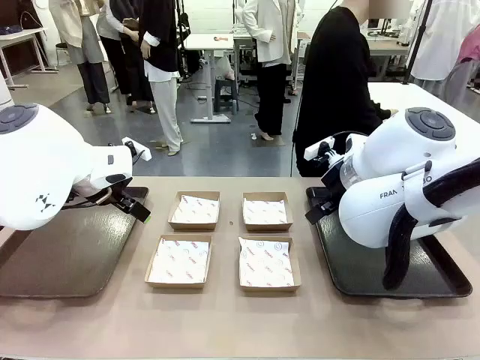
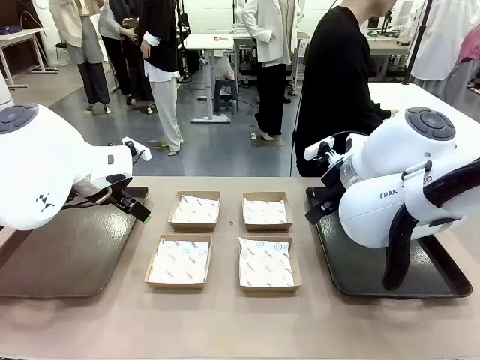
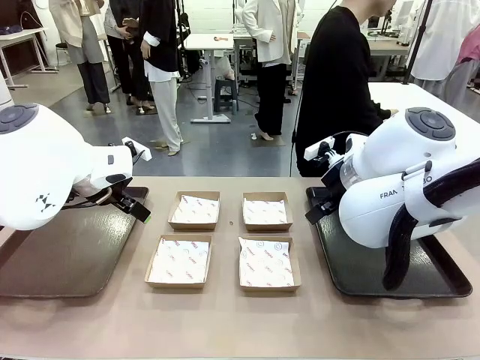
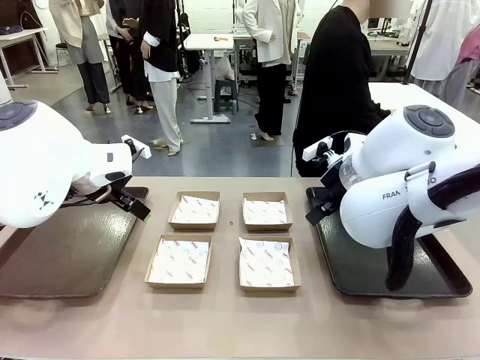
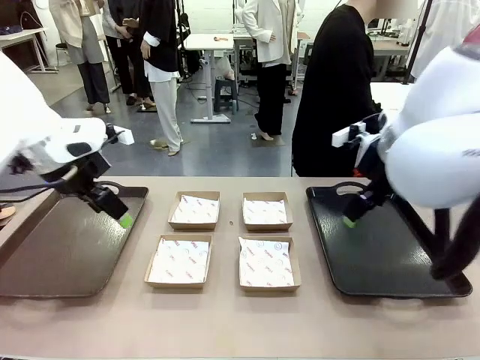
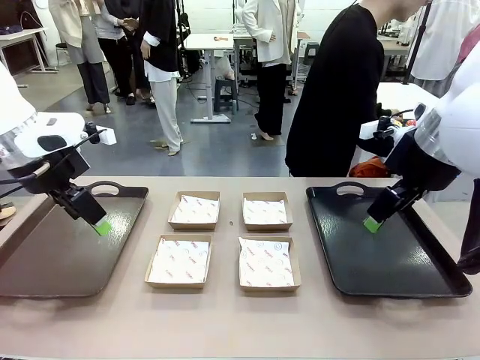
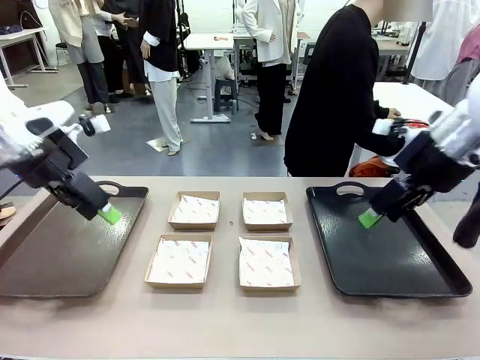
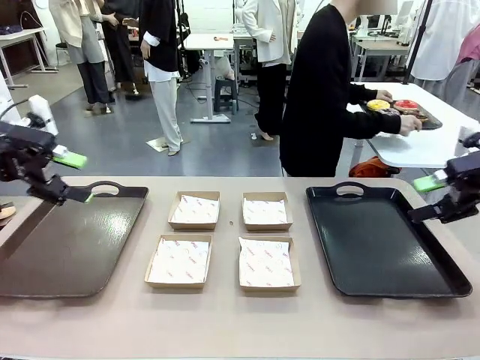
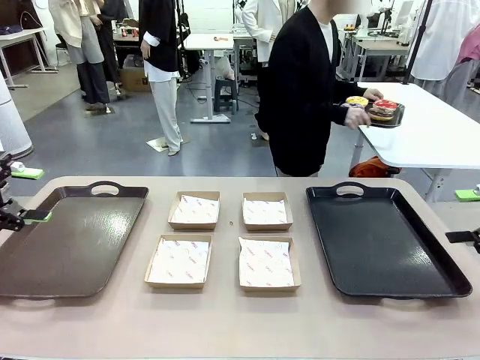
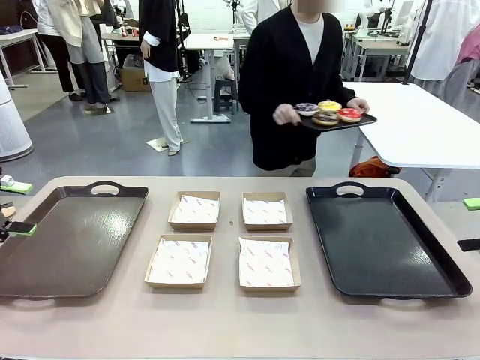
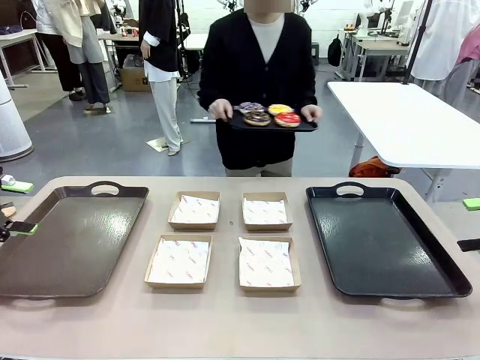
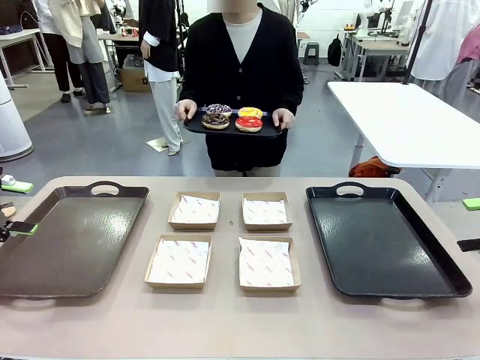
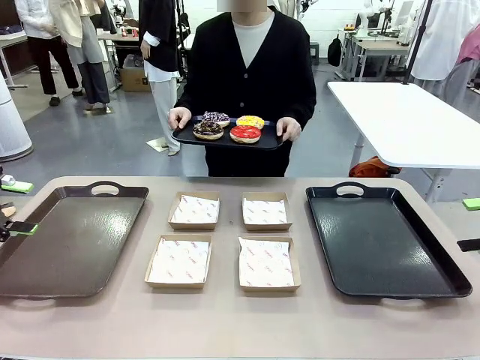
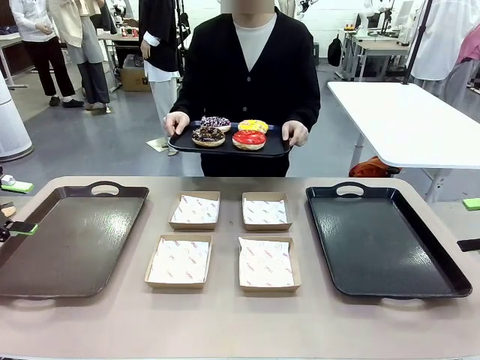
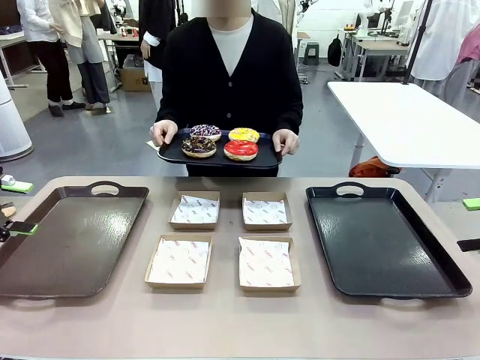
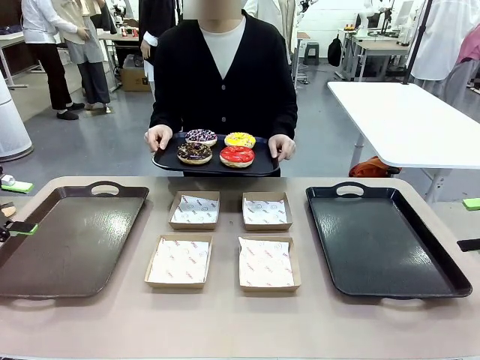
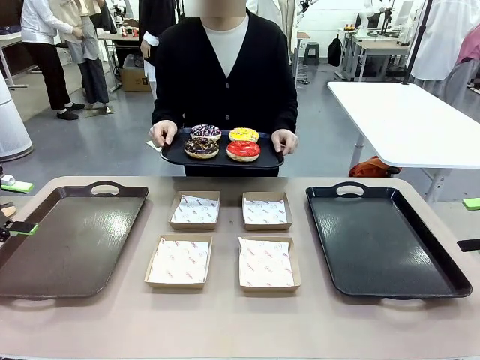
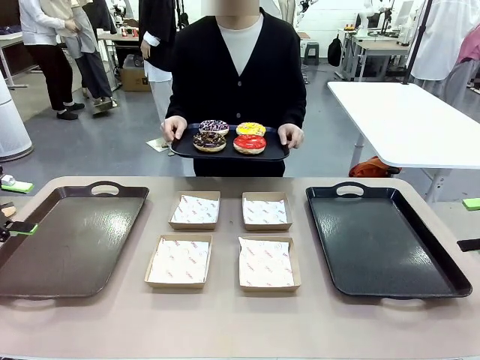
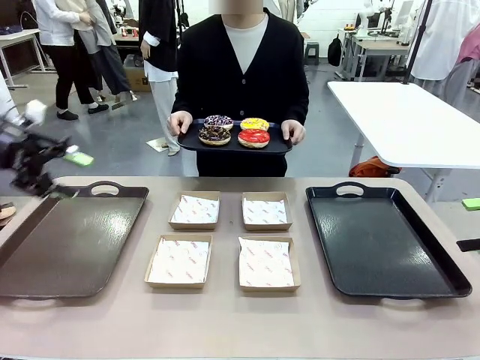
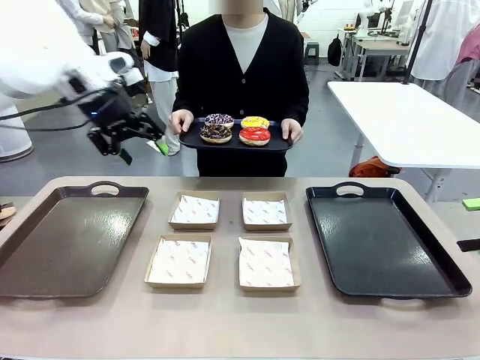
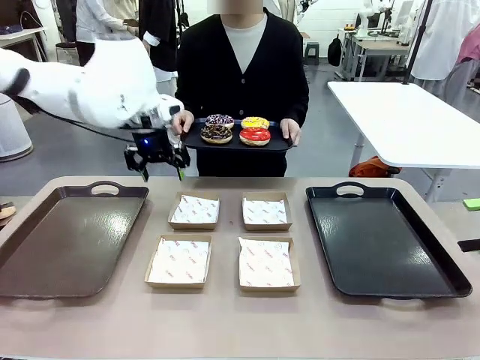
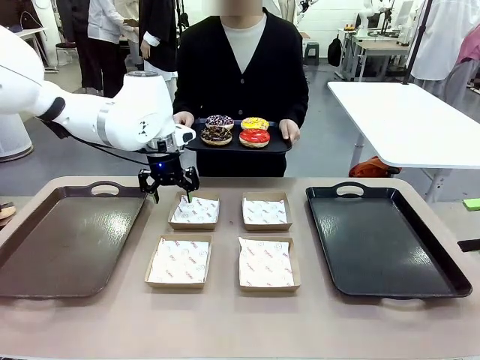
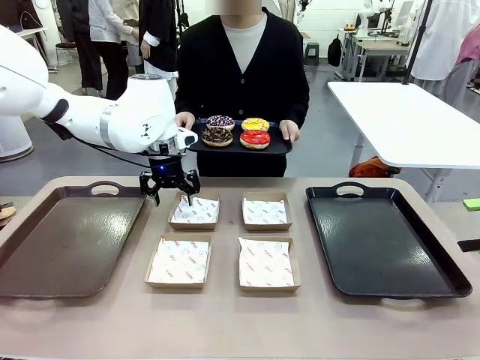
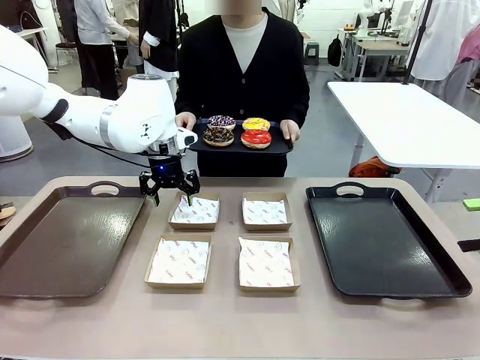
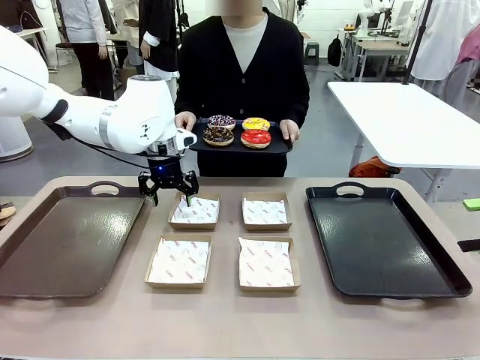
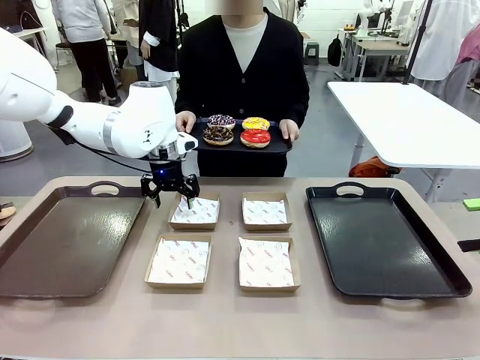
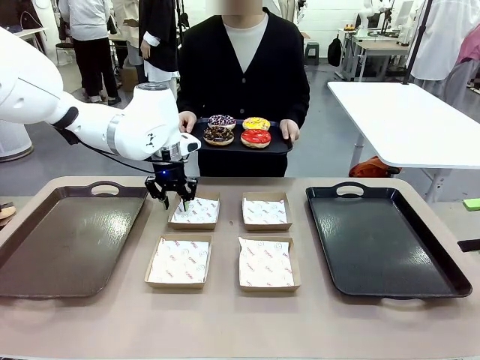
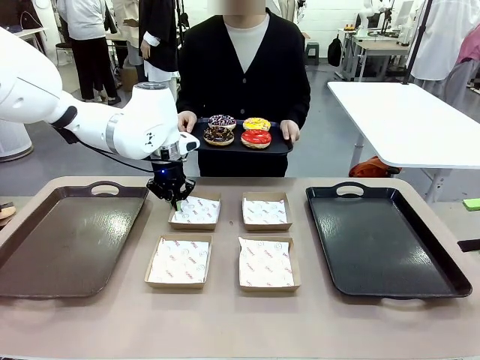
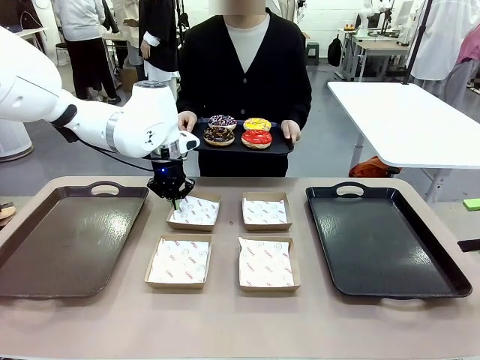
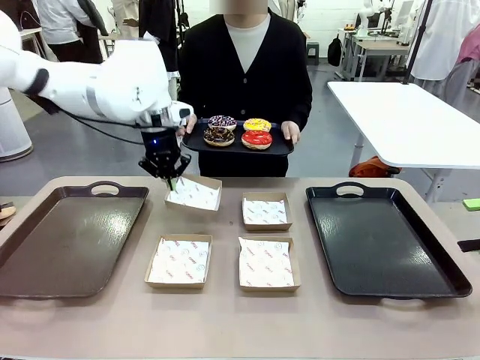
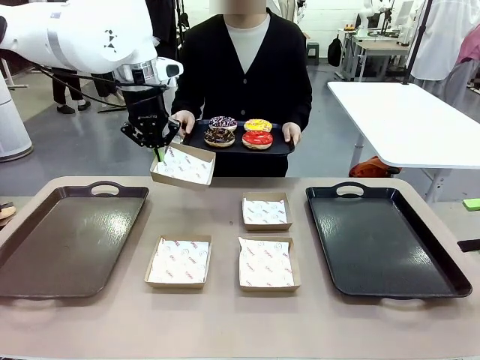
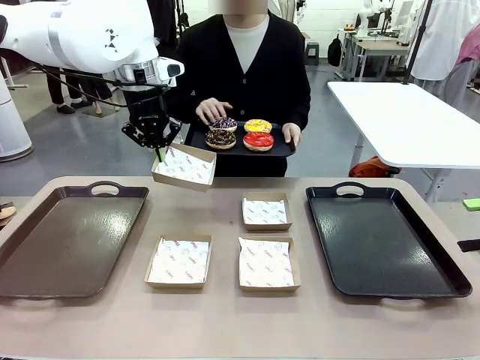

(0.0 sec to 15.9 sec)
Task: Individually package the donuts and arrange them on the tray.
Robot: Pick up one Paper togo box.
Person: Stand in front of the robot table holding the tray containing the donuts.

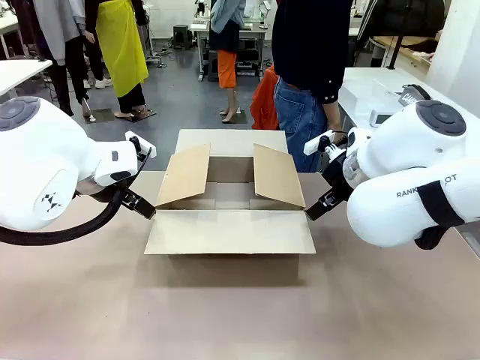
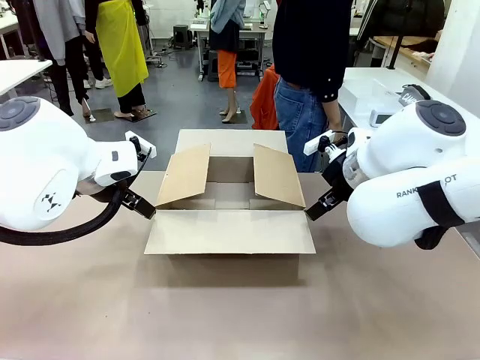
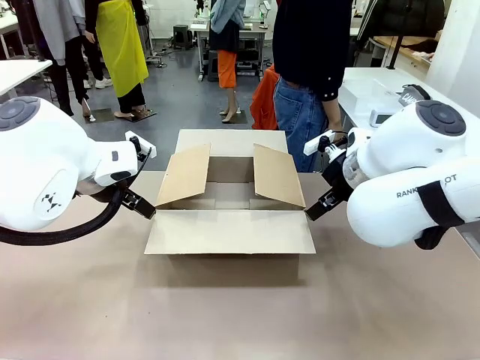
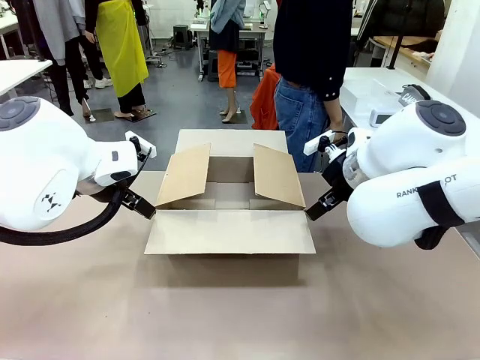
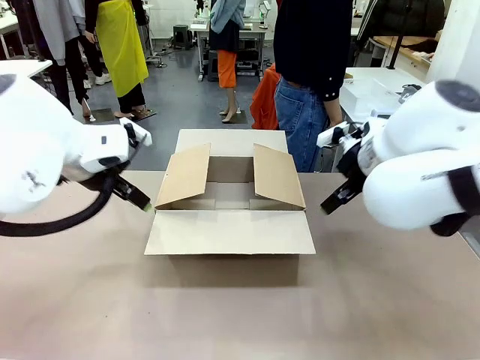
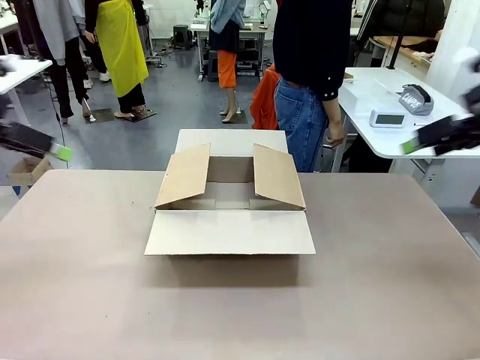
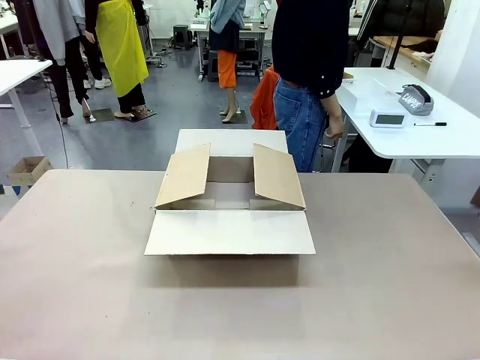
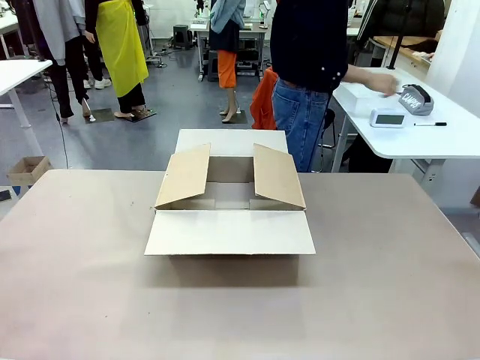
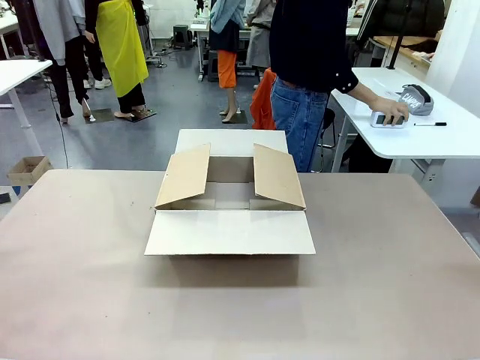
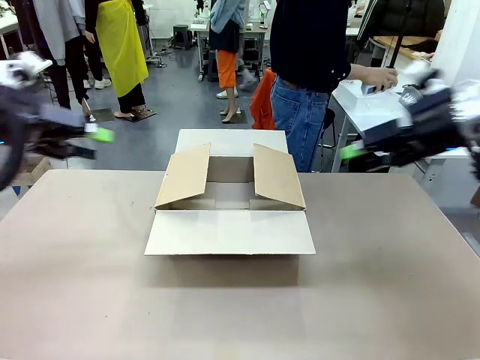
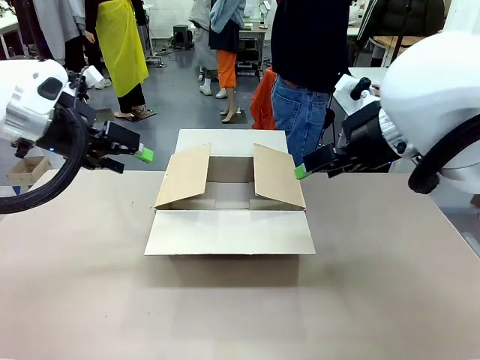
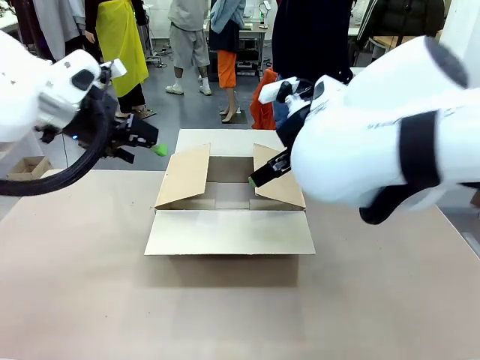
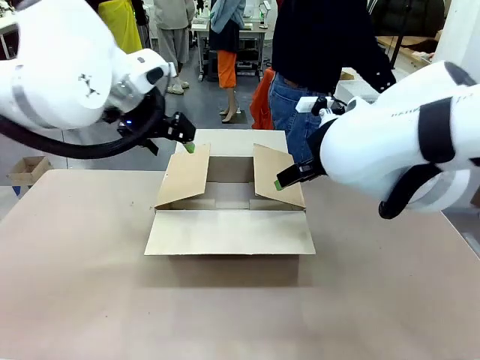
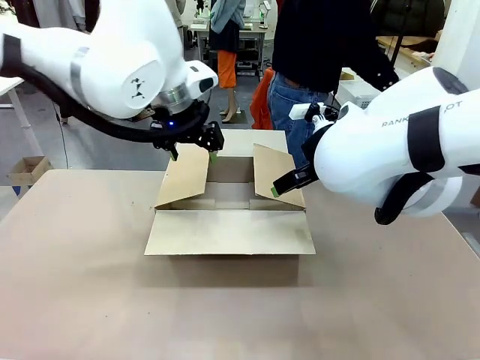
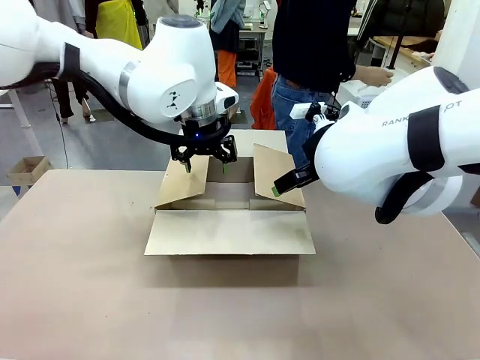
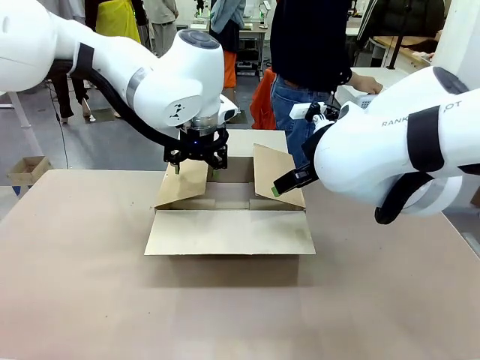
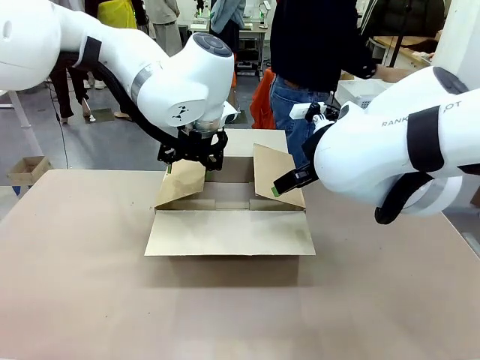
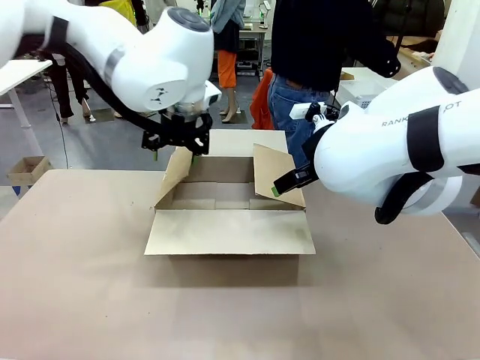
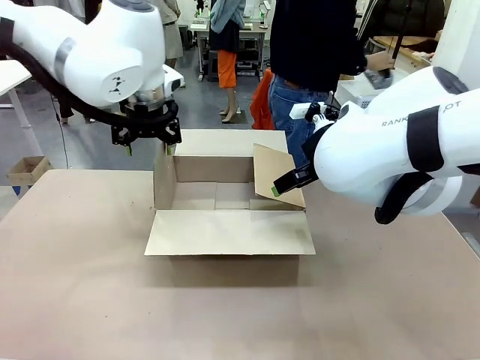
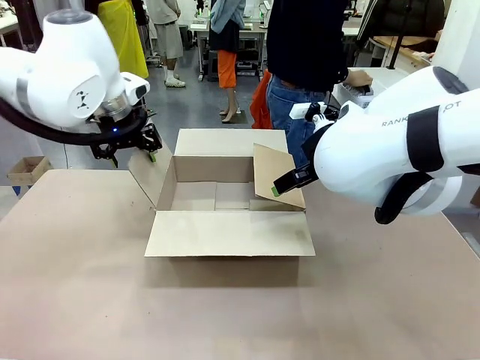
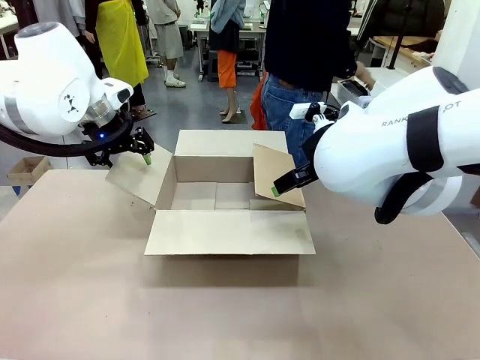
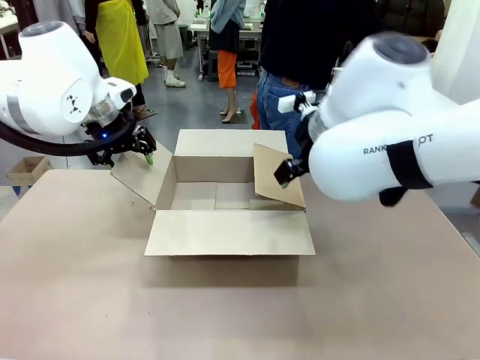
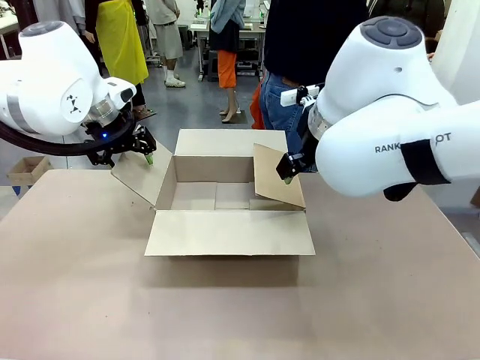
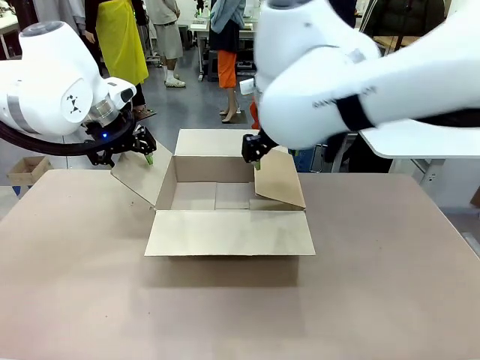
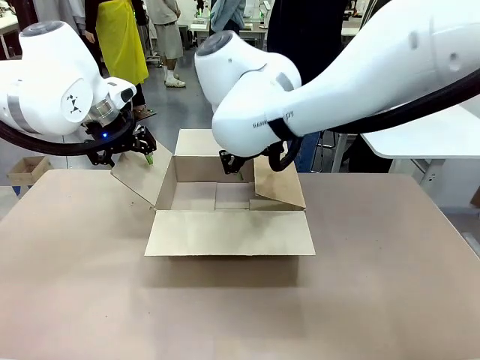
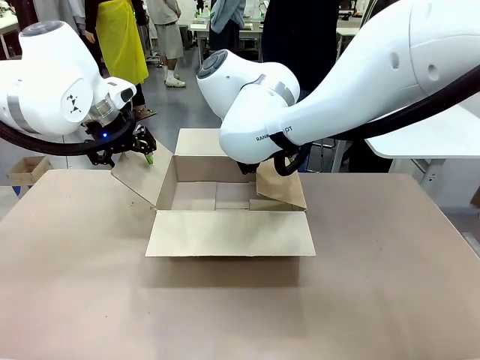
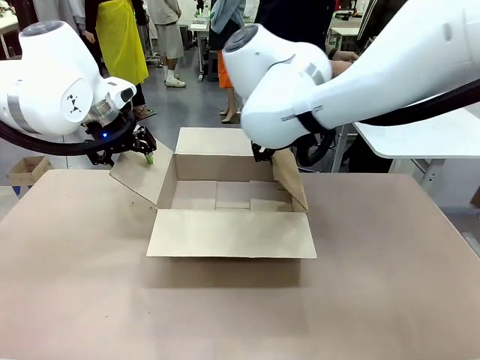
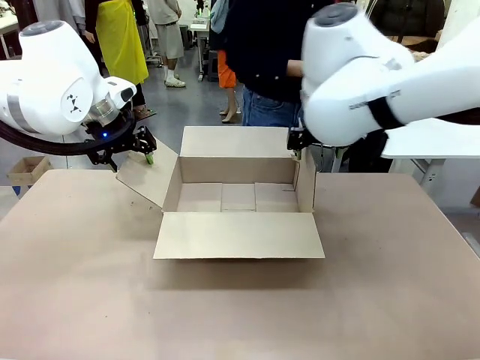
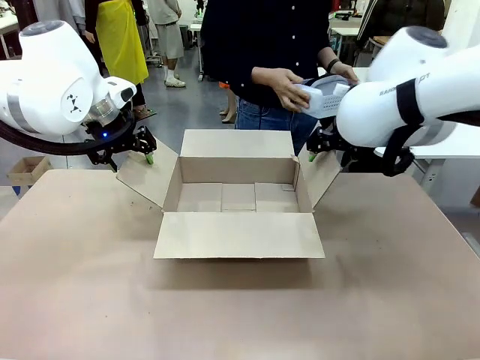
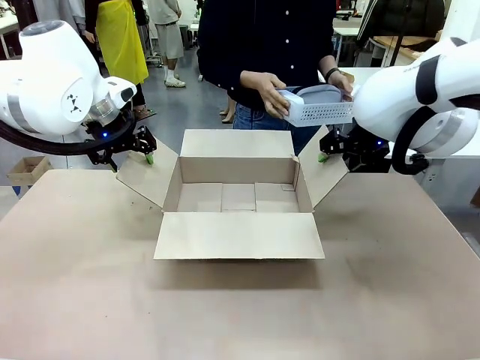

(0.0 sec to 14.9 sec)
Task: Pack the gift set into the box.
Robot: Place both hands on the side flaps of the Package Box and spread them outward.
Person: The human places all items except the paper tape into the organizing basket.
